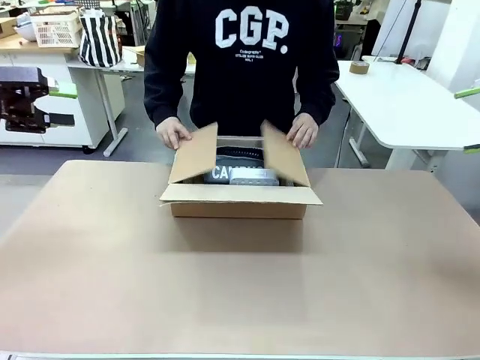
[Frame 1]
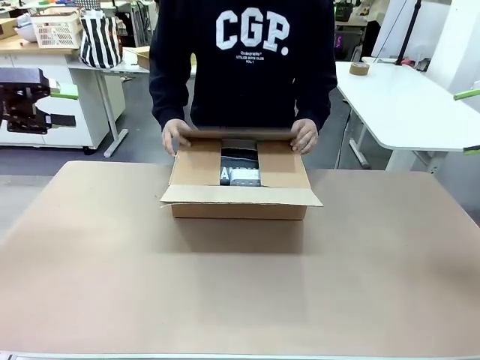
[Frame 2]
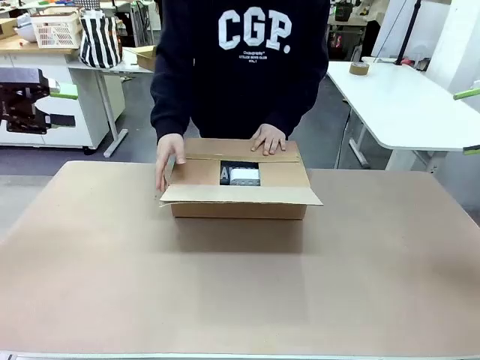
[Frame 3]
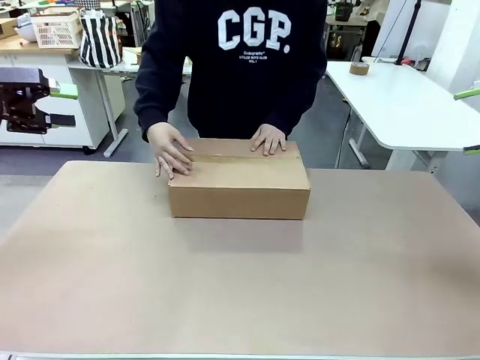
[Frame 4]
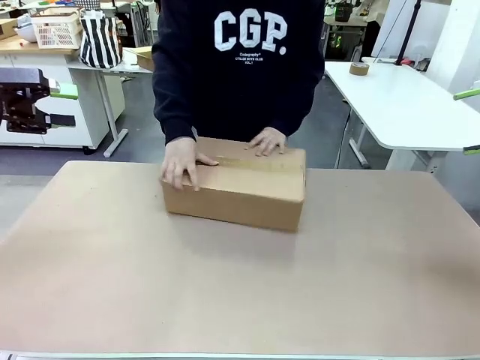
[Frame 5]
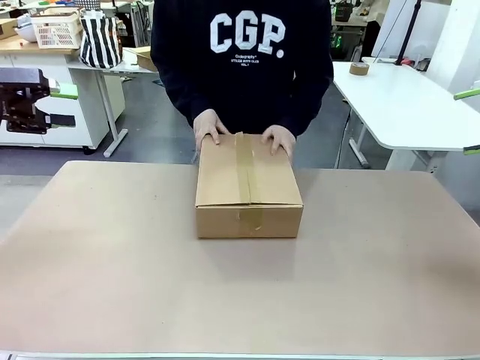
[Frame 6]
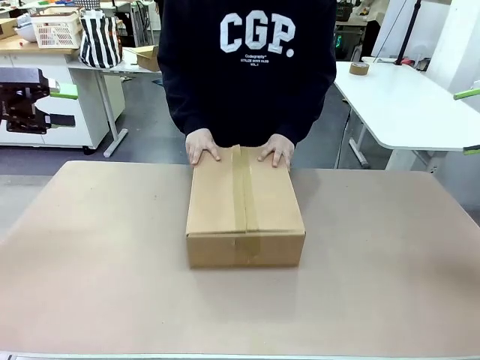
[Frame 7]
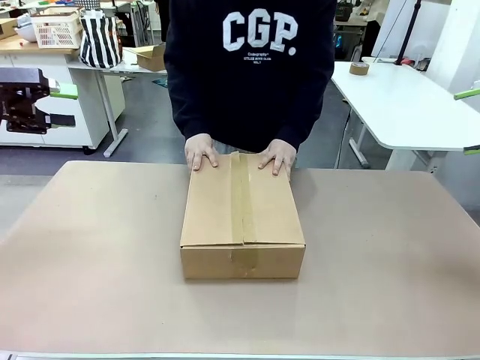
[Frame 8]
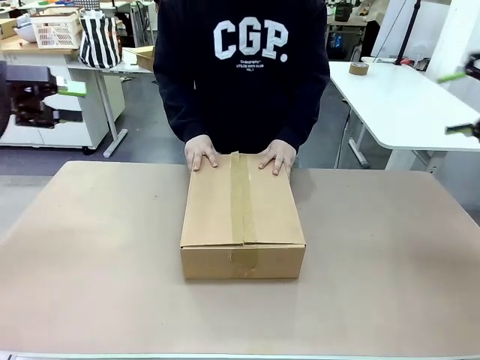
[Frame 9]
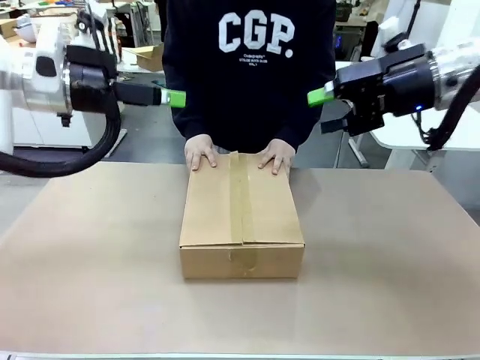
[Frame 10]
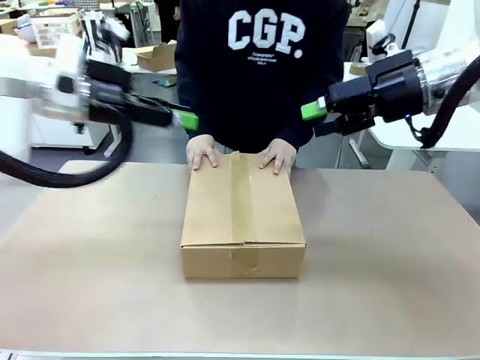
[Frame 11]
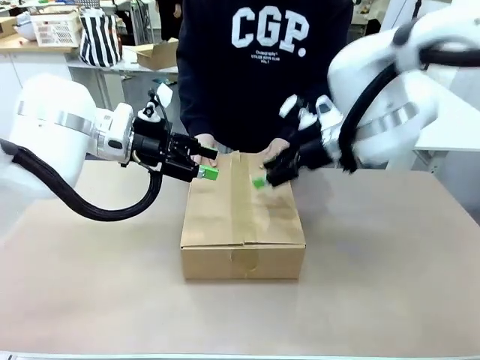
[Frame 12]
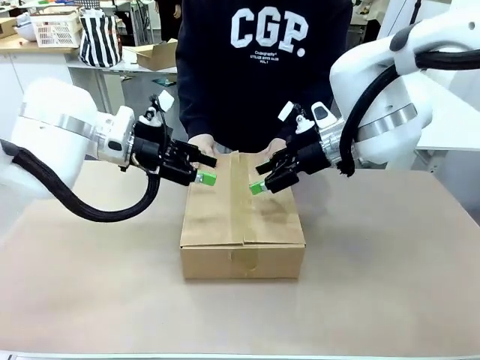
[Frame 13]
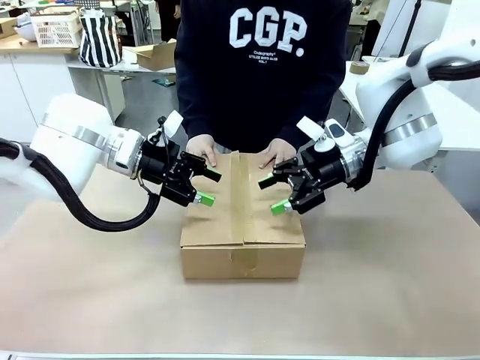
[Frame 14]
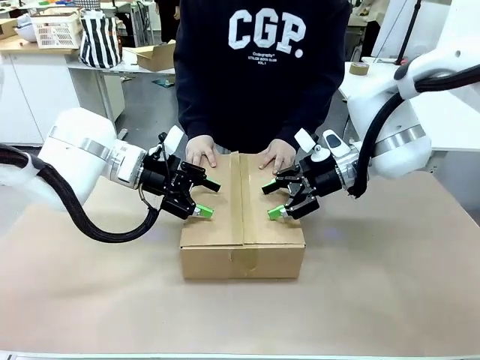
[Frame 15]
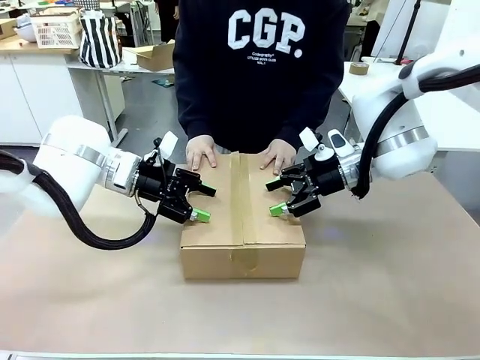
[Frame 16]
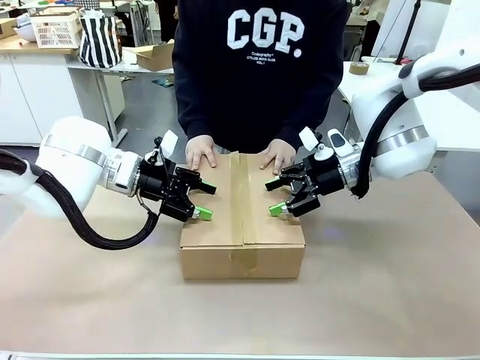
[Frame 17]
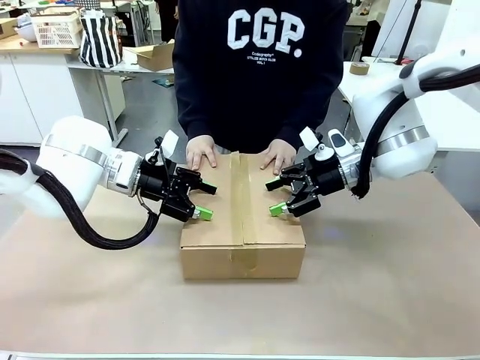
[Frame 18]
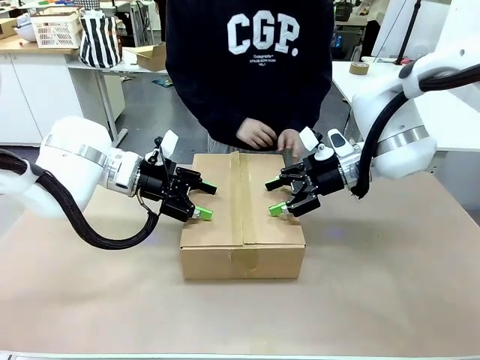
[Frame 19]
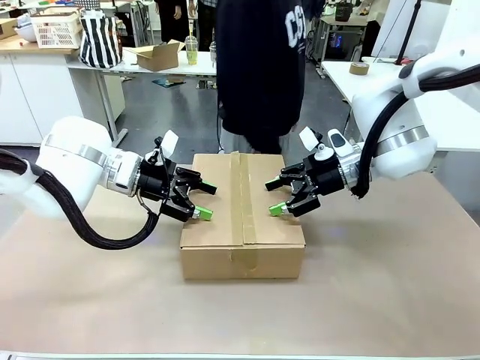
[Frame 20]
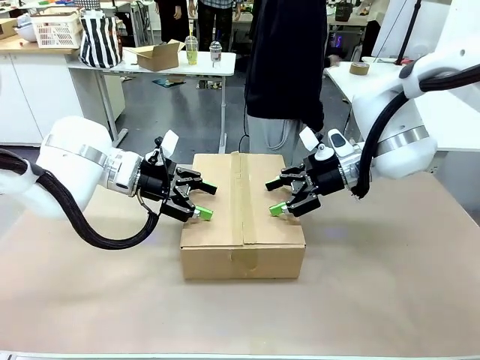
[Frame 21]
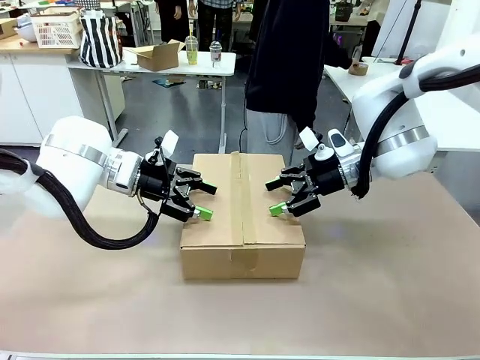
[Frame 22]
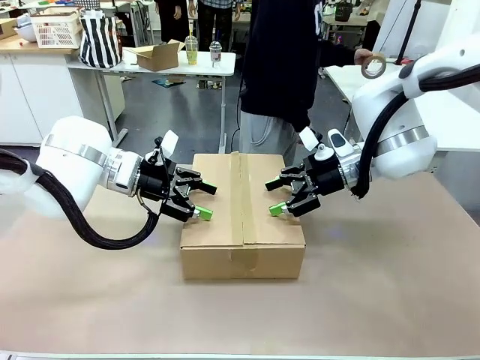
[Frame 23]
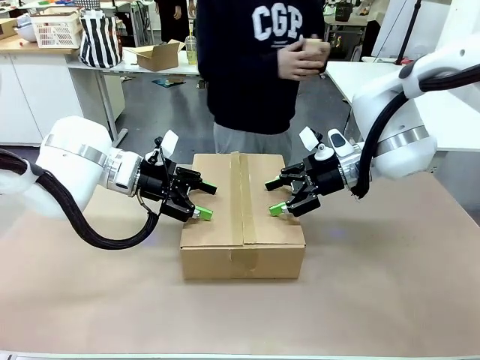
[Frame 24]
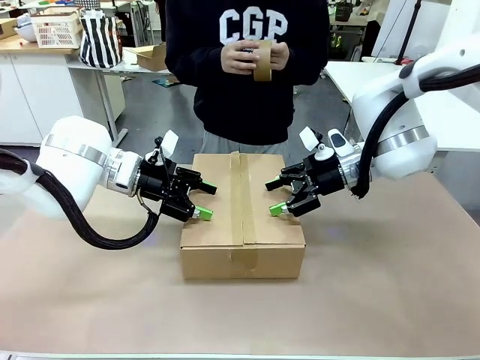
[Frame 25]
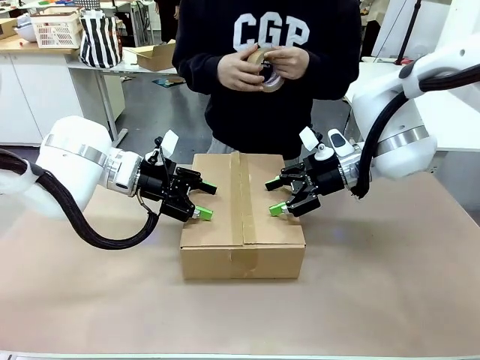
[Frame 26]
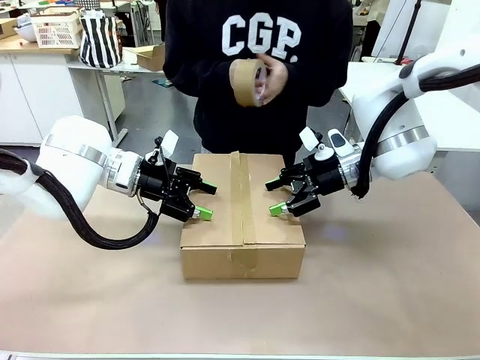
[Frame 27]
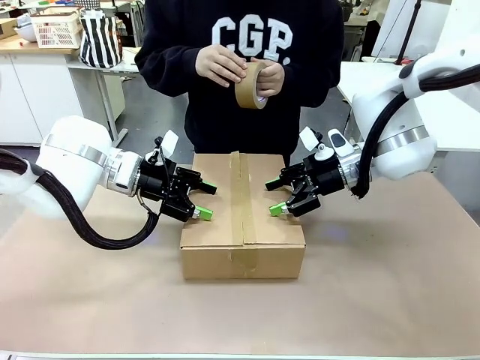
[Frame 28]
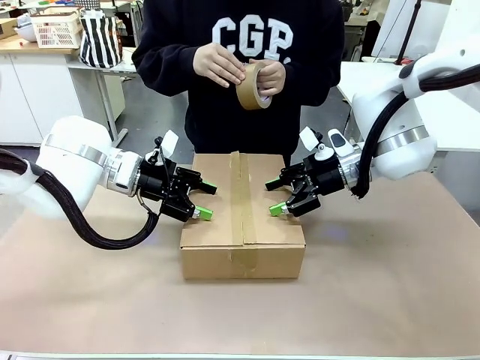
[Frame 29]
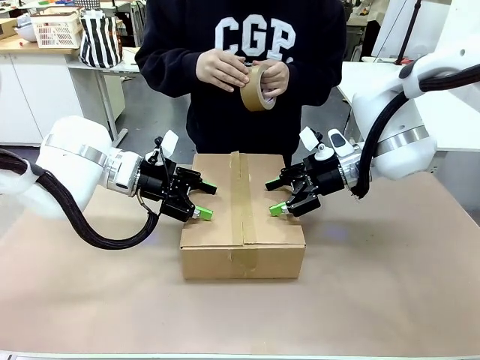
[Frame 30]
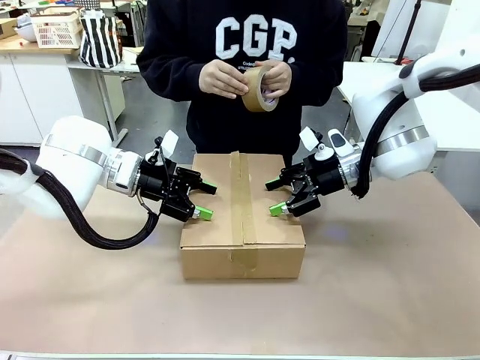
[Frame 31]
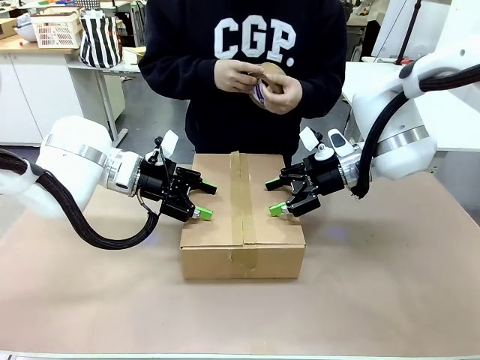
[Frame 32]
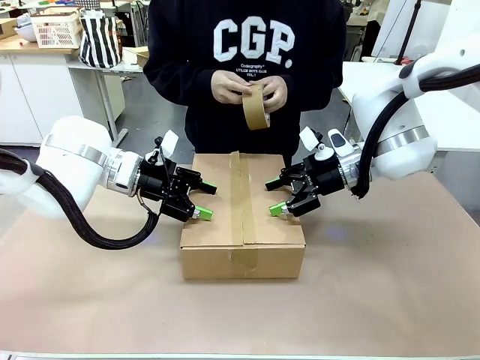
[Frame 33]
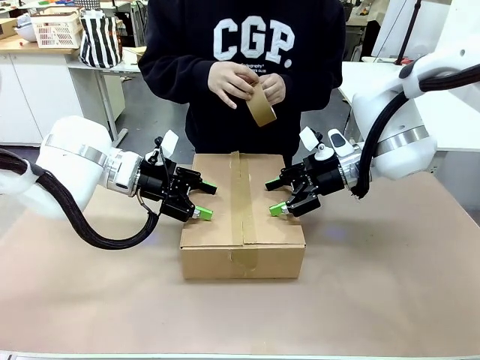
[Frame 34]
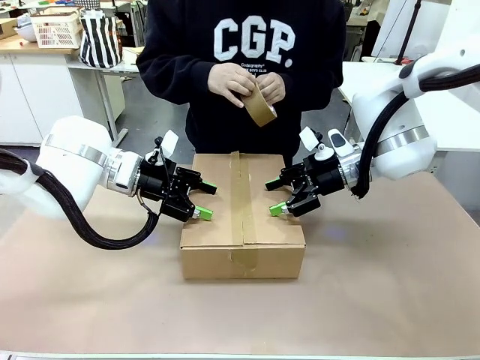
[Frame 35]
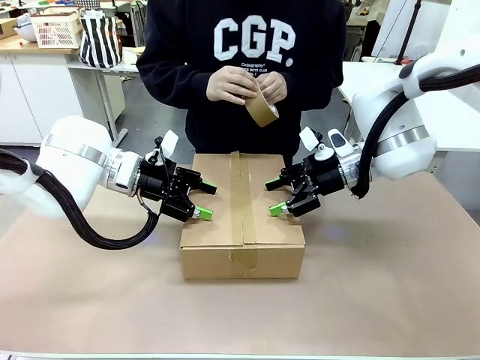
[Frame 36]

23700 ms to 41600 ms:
Task: Pack the gift set into the box.
Robot: Press and hold the closed box until the human finishes sealing it.
Person: The human closes the box and rotates the box by 90 degrees.

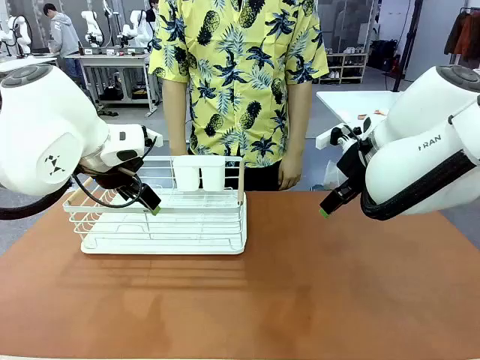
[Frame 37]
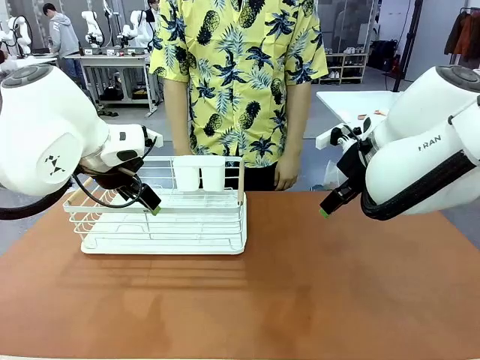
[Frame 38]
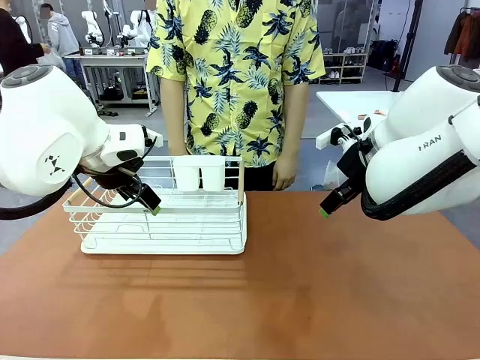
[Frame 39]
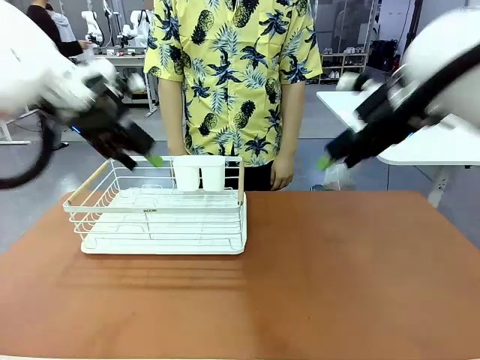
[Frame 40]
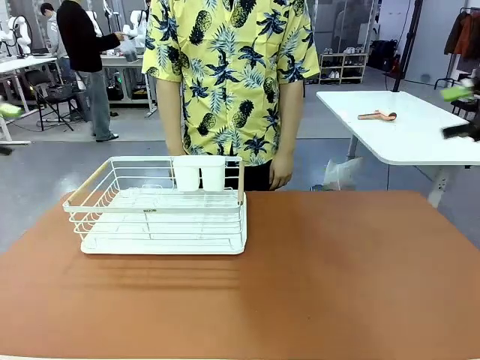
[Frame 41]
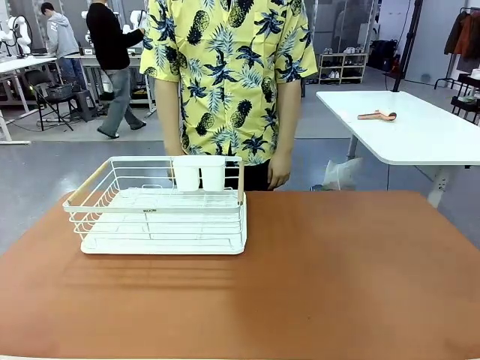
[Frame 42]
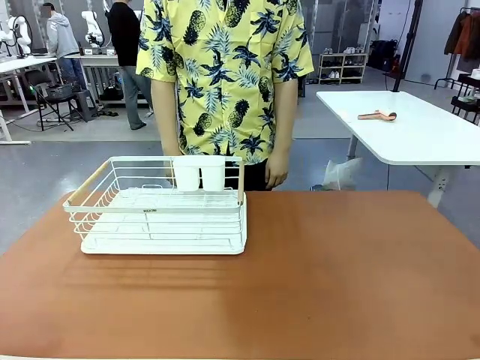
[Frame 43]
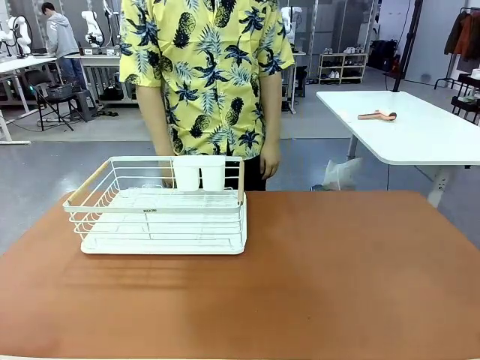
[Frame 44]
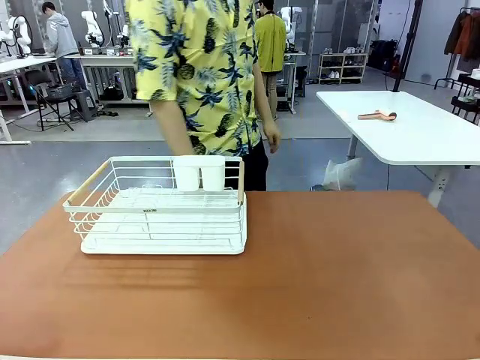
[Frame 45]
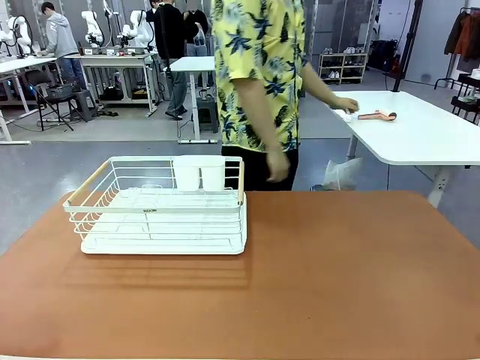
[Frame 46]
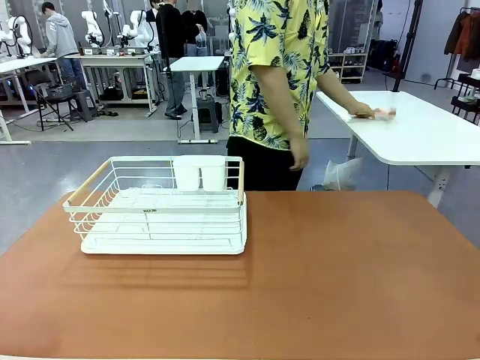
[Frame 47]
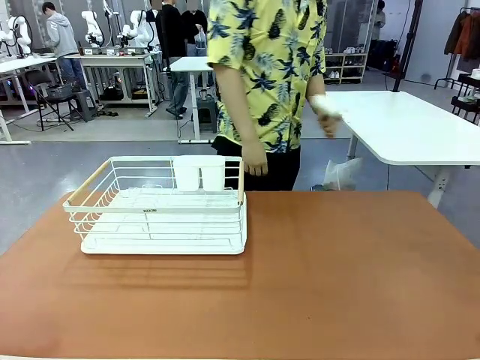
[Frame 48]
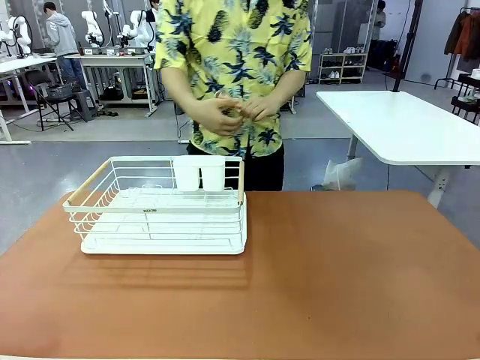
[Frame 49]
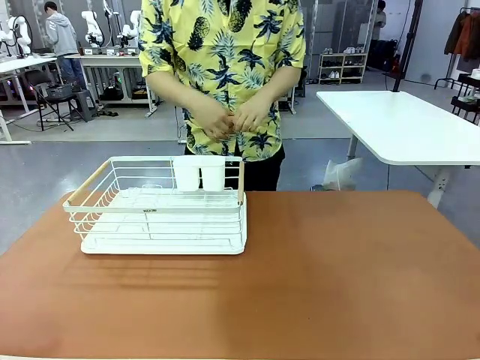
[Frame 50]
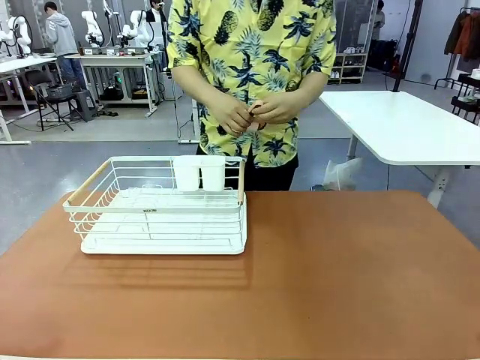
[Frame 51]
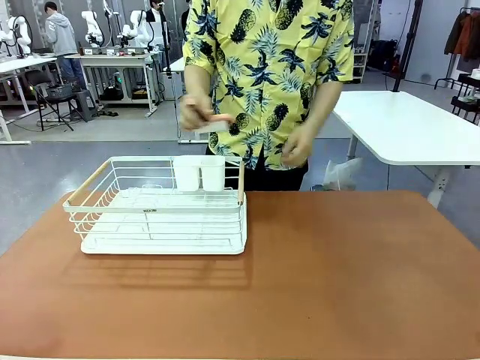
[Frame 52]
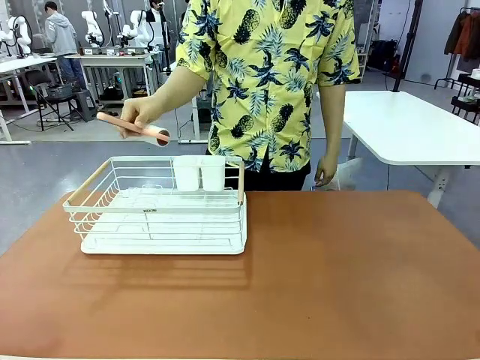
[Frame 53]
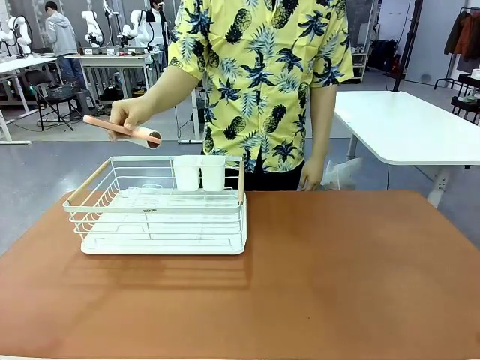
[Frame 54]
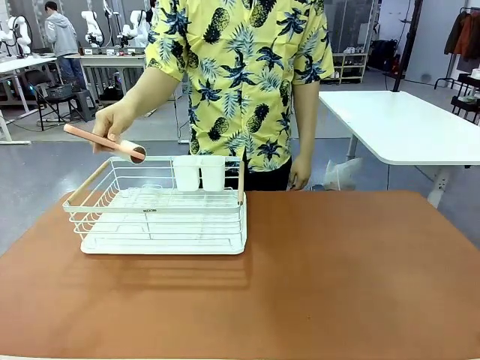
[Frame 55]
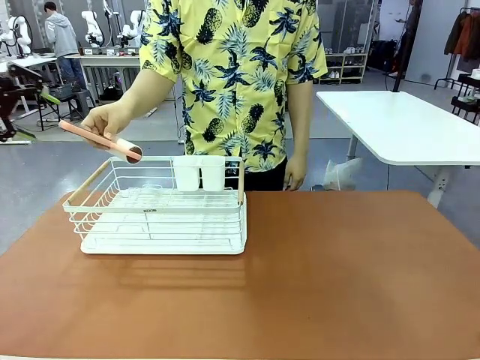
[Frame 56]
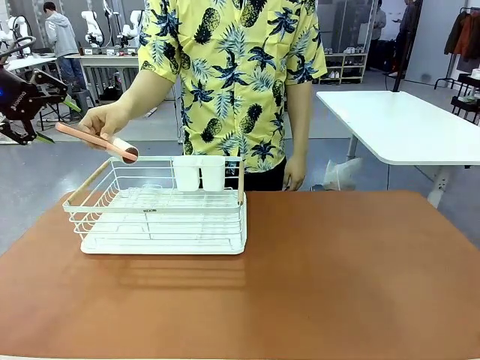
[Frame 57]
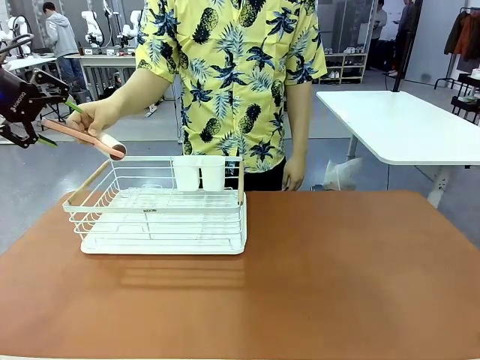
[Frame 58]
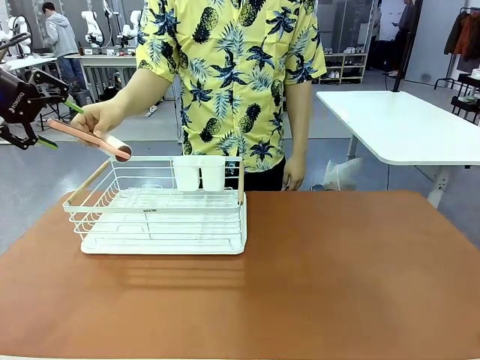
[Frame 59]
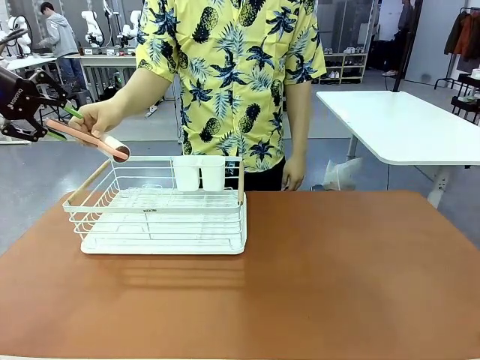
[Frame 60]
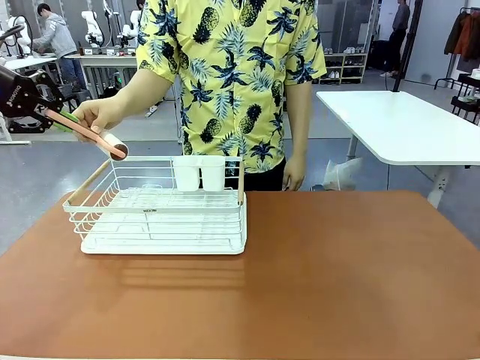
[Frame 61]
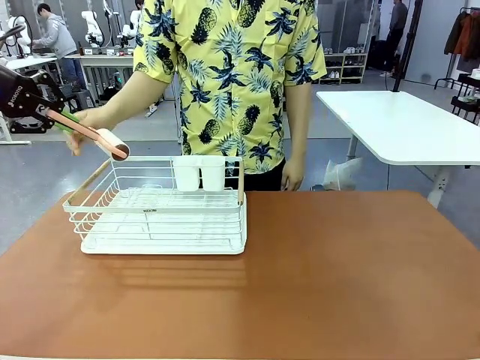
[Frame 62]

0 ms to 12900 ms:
Task: Clean the table.
Robot: Pick up the Lint Roller when the human hands it over.
Person: Hand the Lint Roller to the robot so it can easily pick it up. Lift the Dish drying rack.
